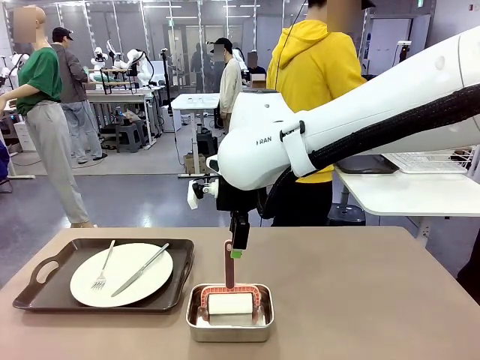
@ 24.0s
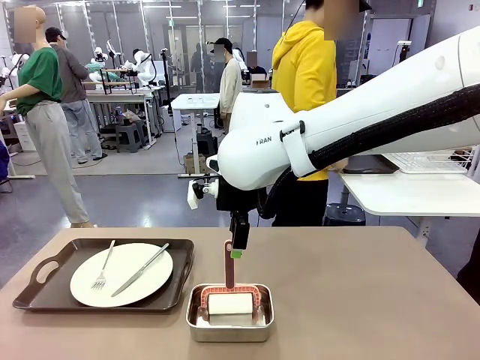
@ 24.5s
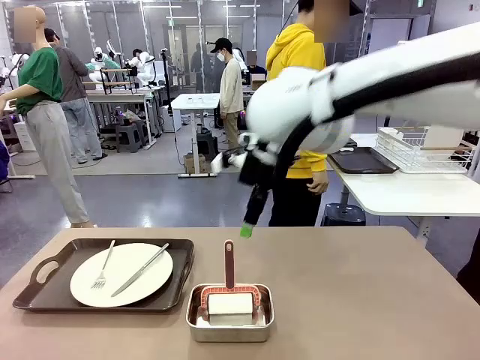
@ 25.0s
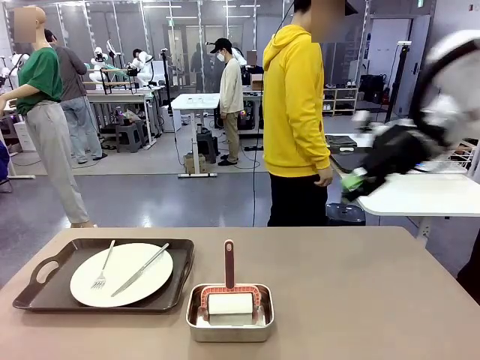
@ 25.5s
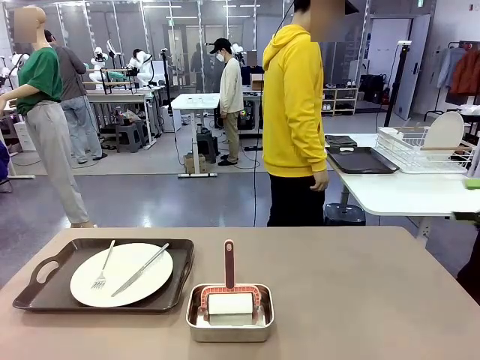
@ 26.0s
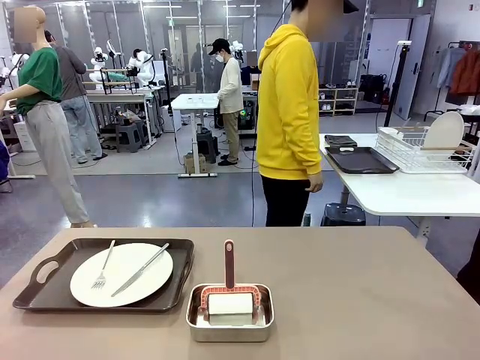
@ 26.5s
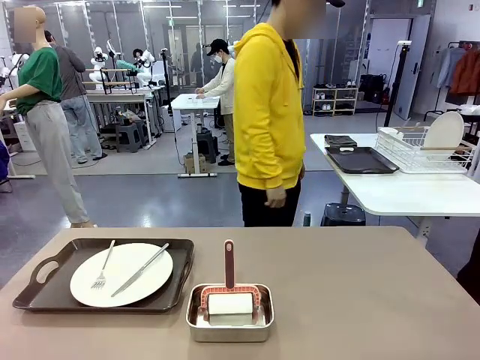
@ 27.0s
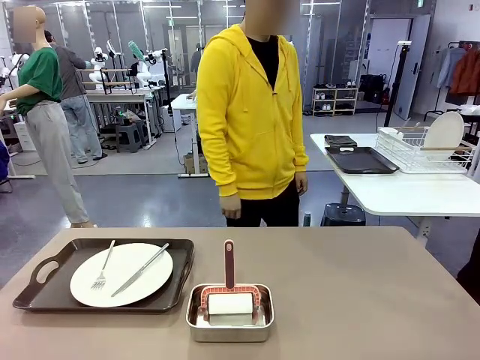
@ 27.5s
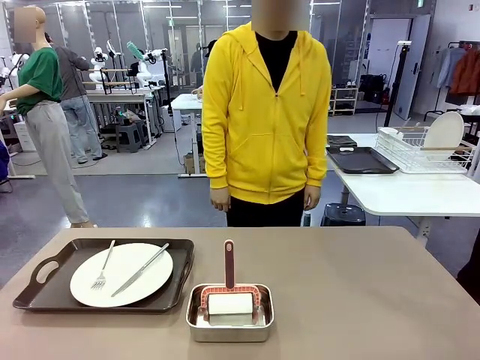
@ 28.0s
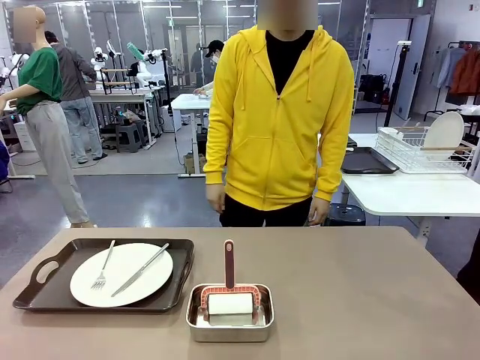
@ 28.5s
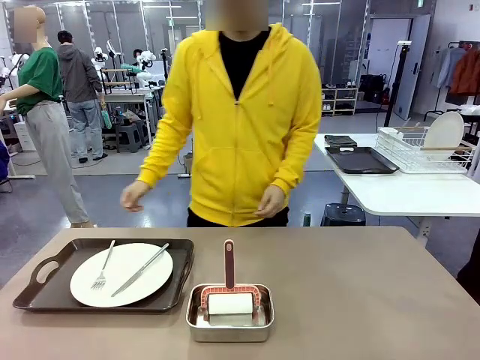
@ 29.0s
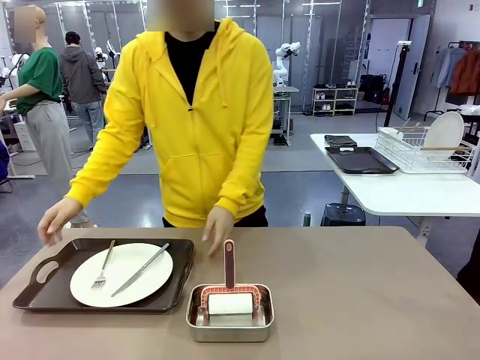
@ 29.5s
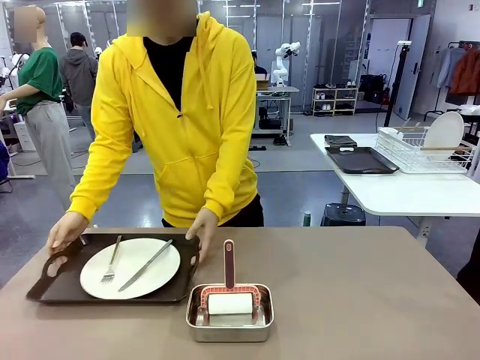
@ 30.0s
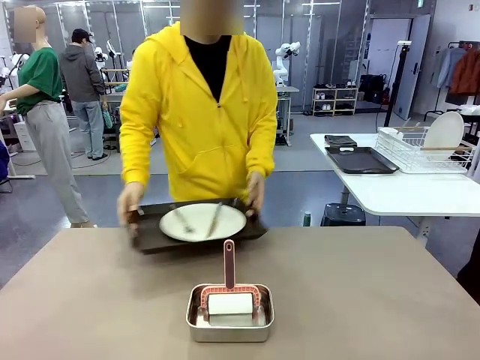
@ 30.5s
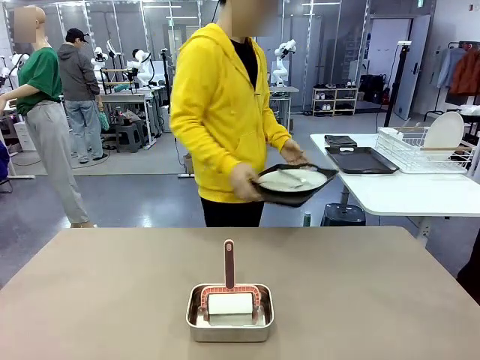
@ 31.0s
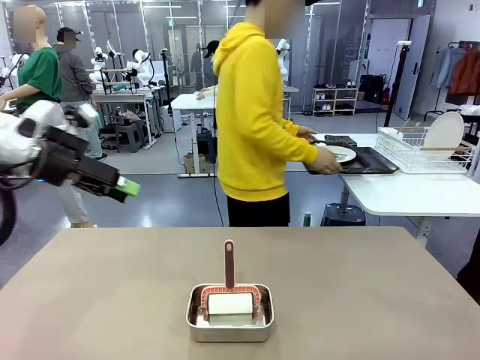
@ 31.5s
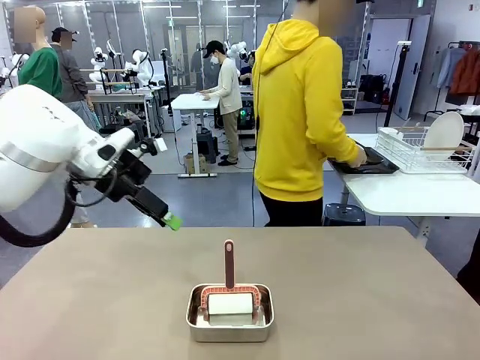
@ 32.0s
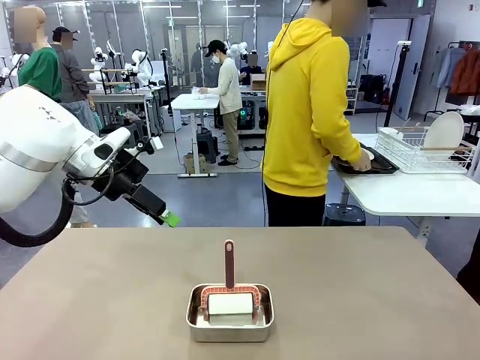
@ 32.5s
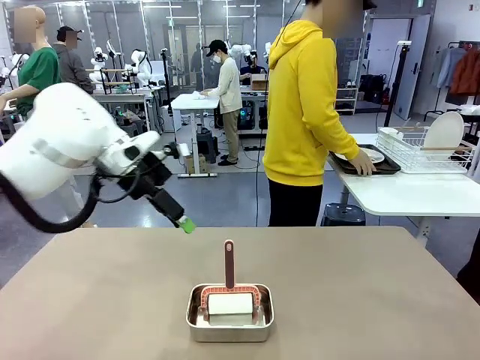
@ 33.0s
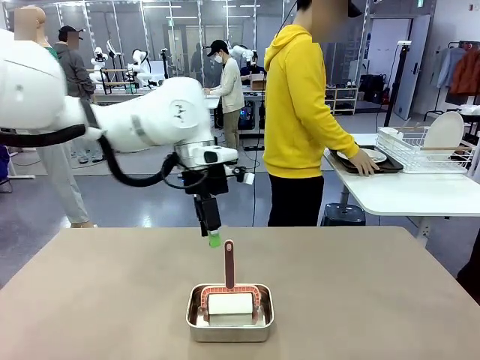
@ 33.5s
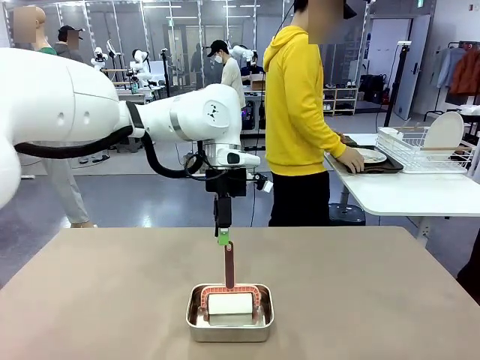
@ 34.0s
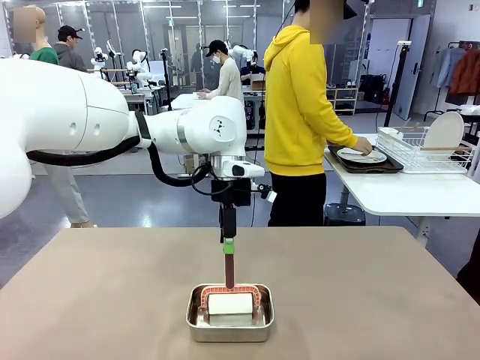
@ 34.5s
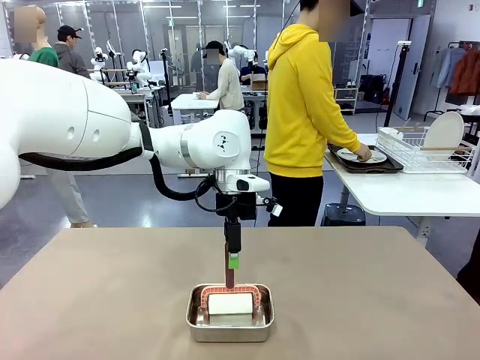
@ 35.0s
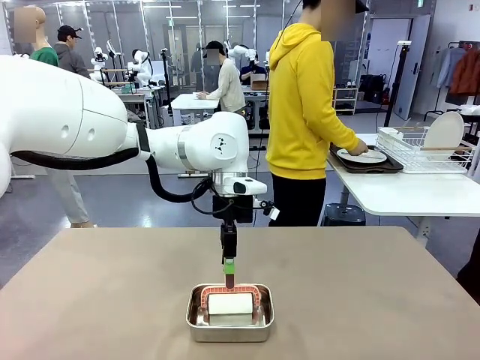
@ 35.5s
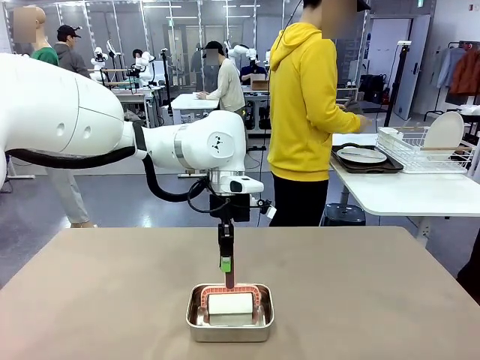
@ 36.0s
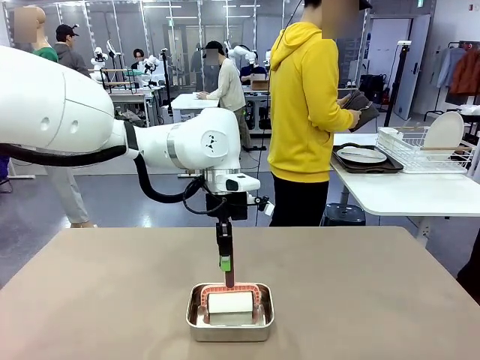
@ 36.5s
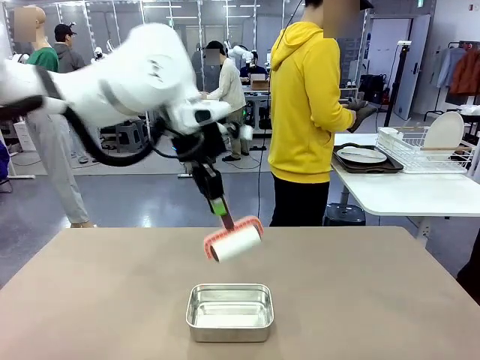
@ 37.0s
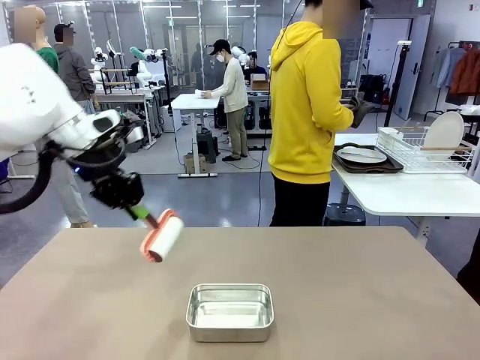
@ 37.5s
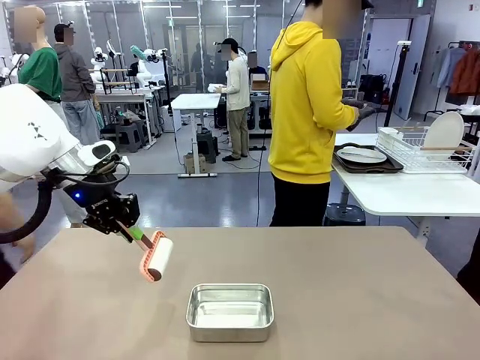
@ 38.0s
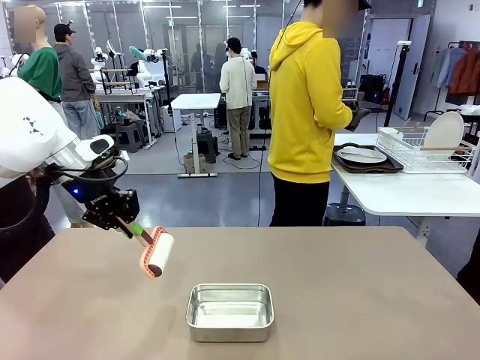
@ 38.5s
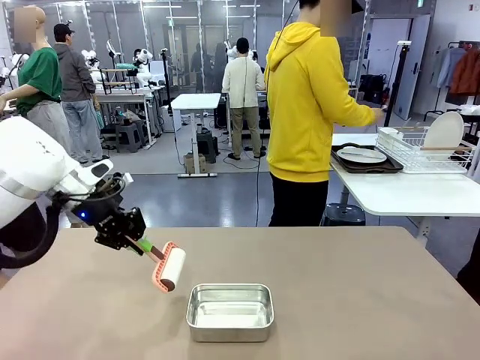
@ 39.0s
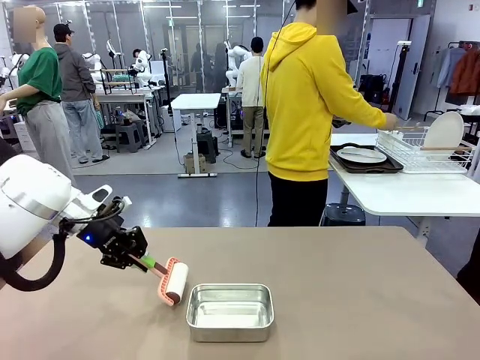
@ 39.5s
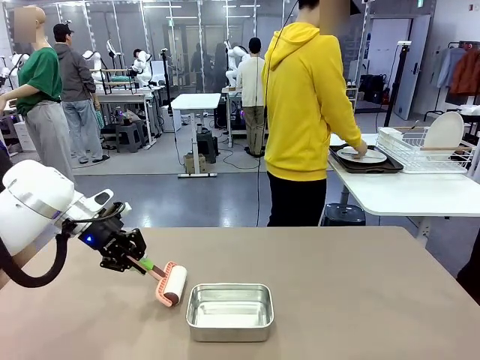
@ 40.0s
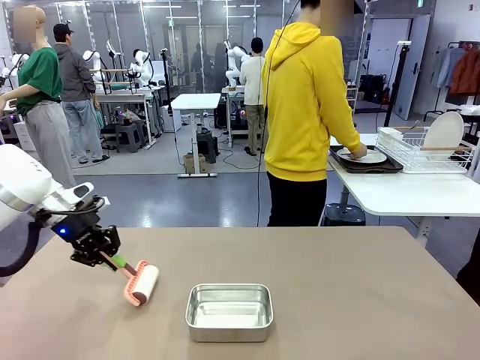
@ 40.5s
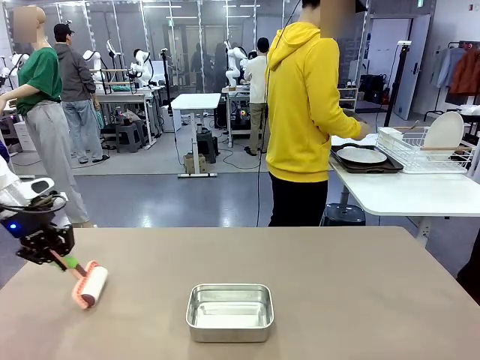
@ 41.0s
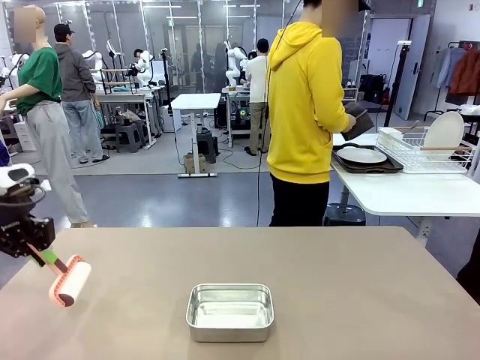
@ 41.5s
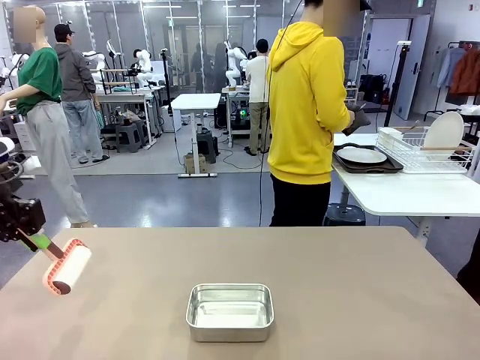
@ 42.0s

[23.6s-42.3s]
Robot: When the right (or left) Handle tray is removed, use the right hand (or left hand) to clean the right (or left) side of the table with the Lint Roller.
Person: Pick up the left (or right) Handle tray and place it on the Handle tray.

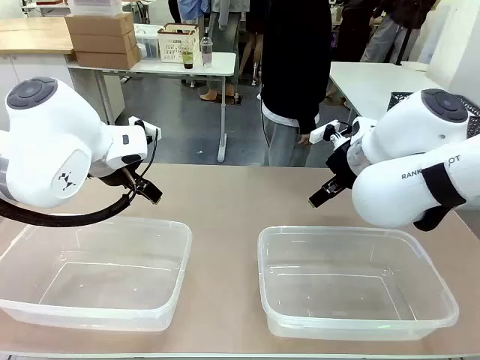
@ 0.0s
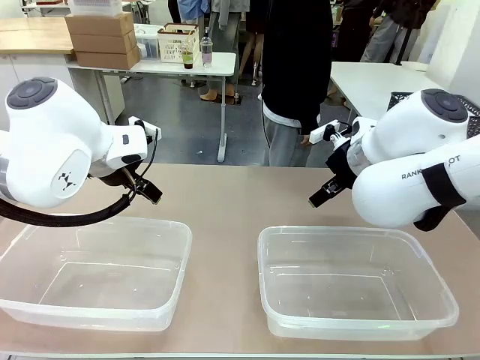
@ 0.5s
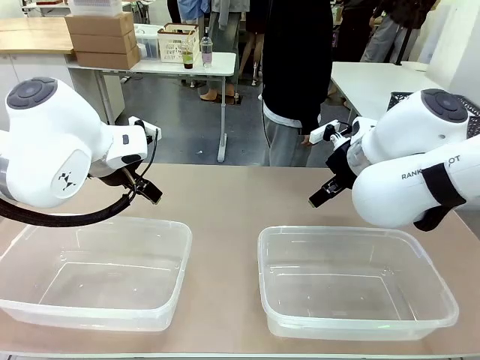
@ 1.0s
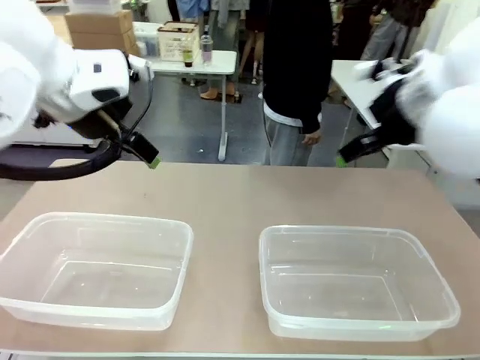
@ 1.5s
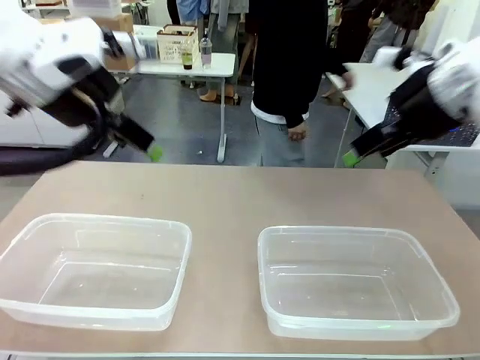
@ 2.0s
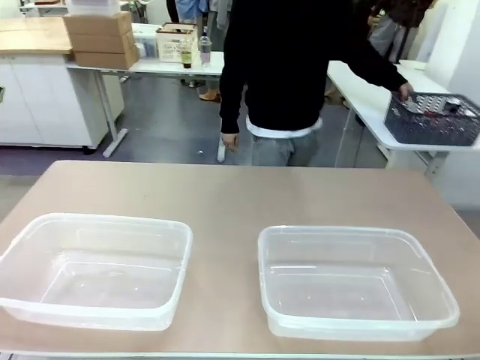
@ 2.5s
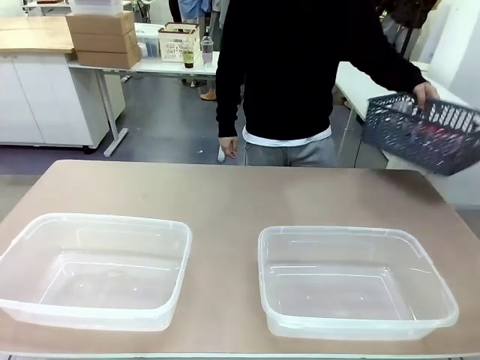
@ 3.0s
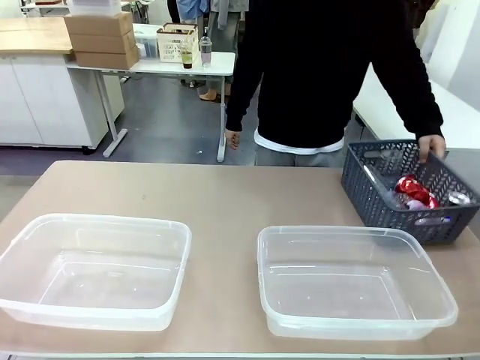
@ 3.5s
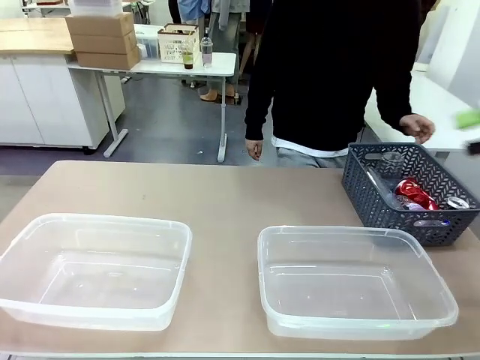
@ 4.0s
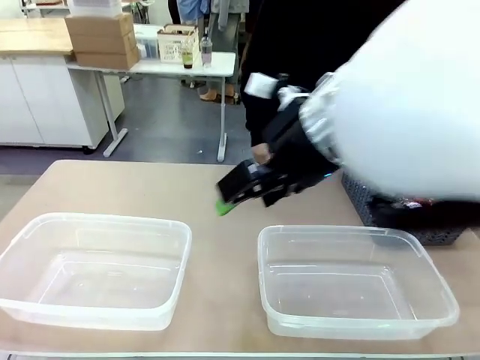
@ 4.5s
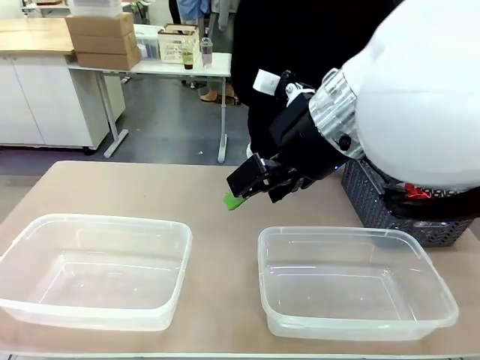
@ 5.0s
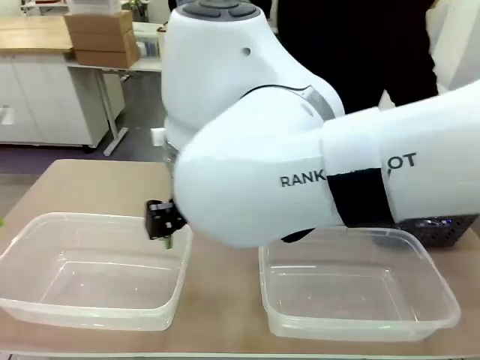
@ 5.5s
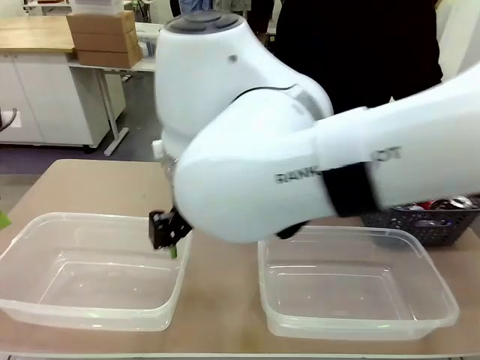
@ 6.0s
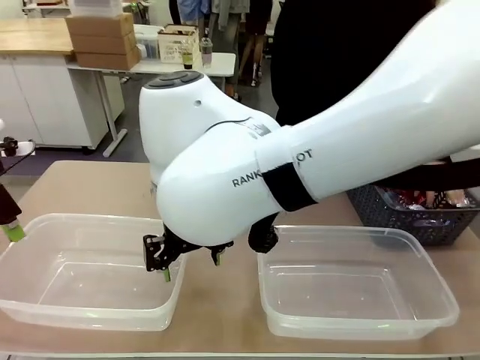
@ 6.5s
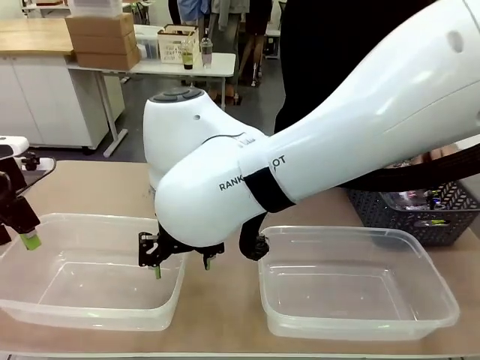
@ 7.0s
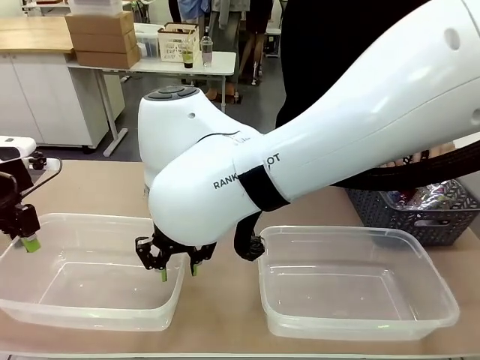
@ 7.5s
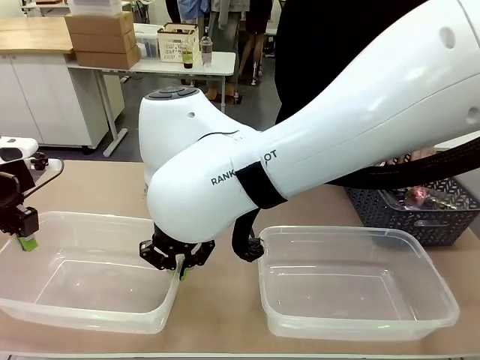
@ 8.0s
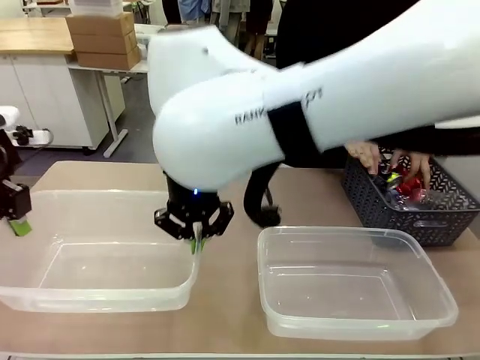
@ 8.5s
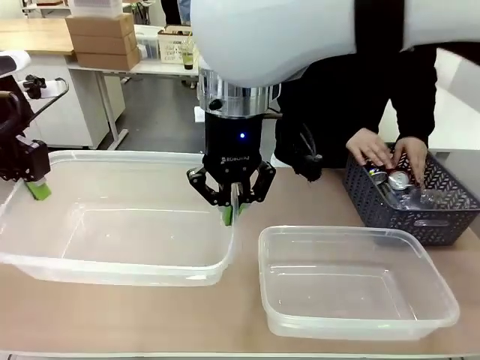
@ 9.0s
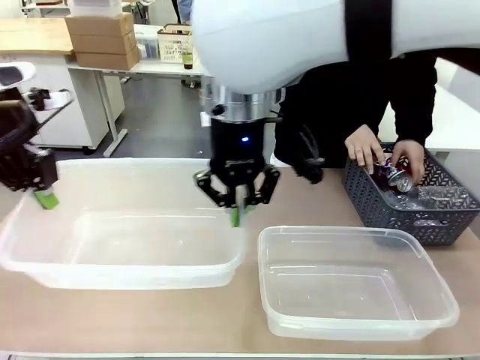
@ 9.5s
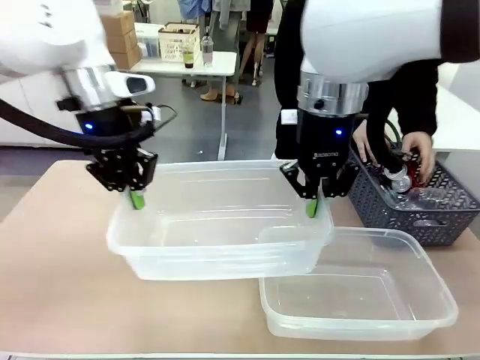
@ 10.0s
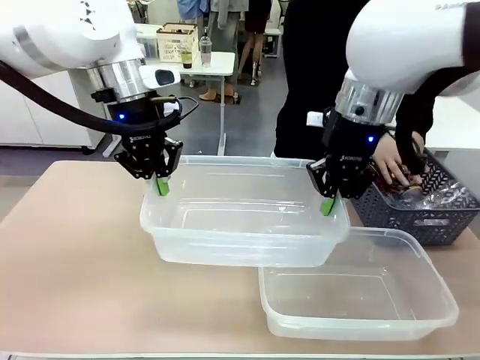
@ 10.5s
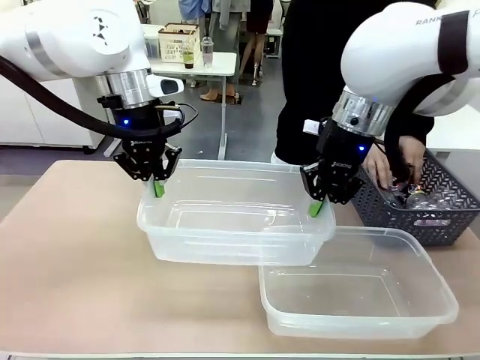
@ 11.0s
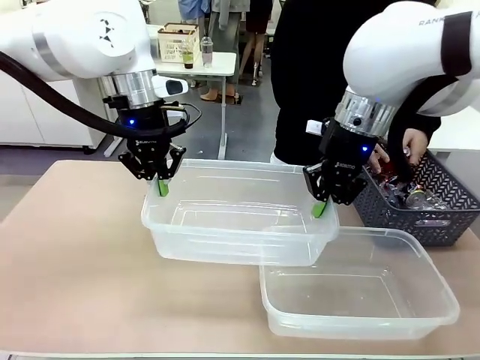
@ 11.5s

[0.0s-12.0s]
Robot: Pick up the Organizing box on the left side of the table and lift it.
Person: Pick up the storage basket and place it on the left side of the robot table. Pick up can-shaped waste one by one and place it into the organizing box lifted by the robot.
